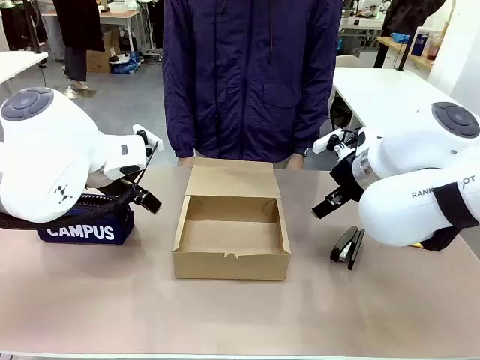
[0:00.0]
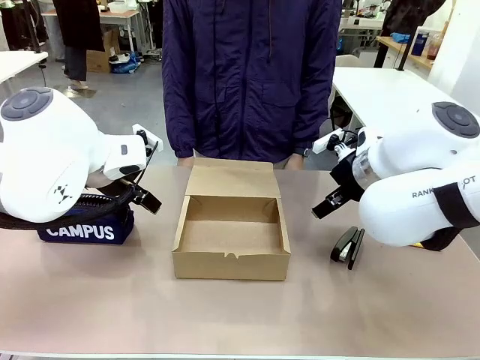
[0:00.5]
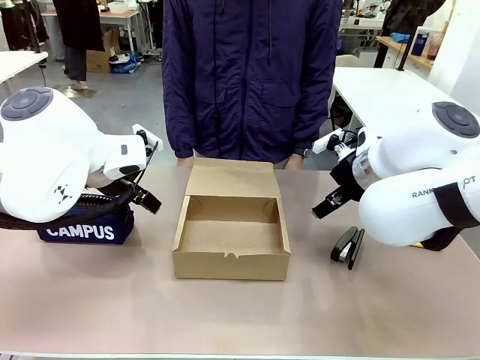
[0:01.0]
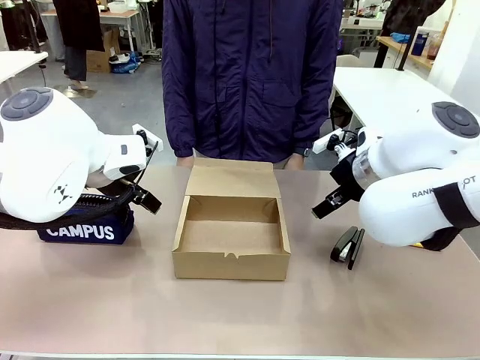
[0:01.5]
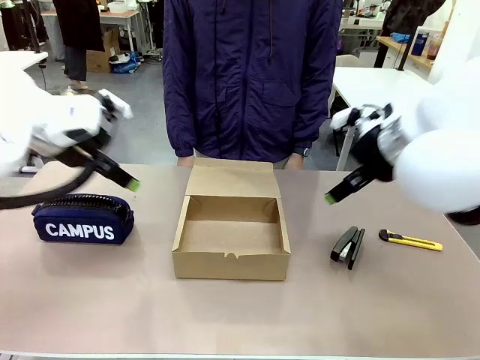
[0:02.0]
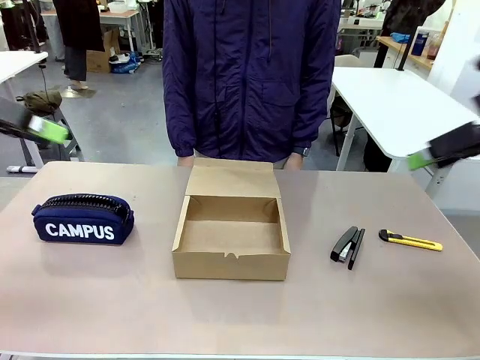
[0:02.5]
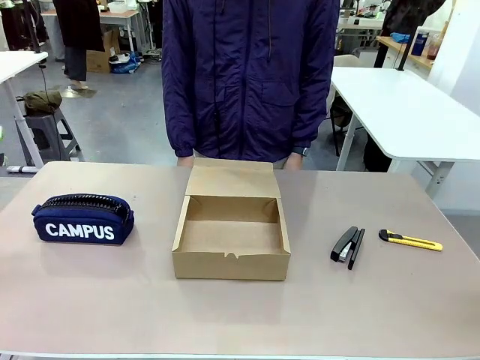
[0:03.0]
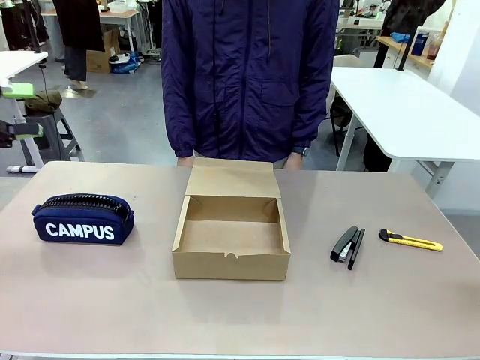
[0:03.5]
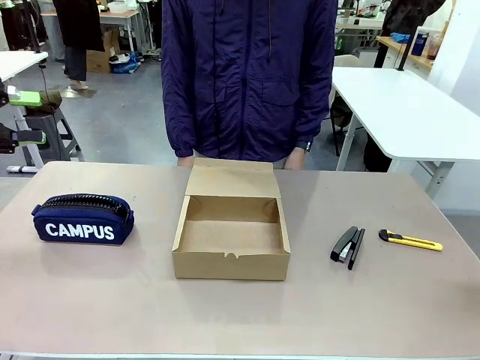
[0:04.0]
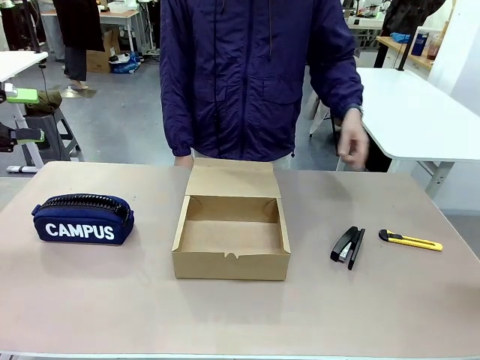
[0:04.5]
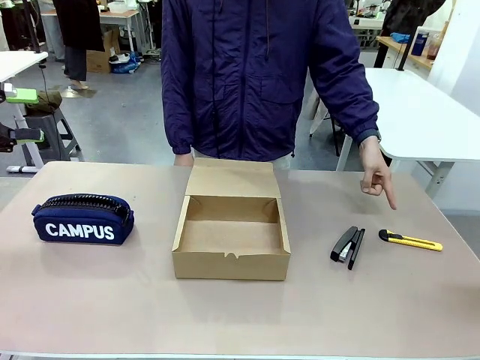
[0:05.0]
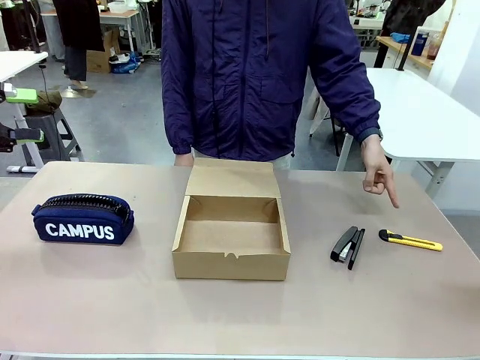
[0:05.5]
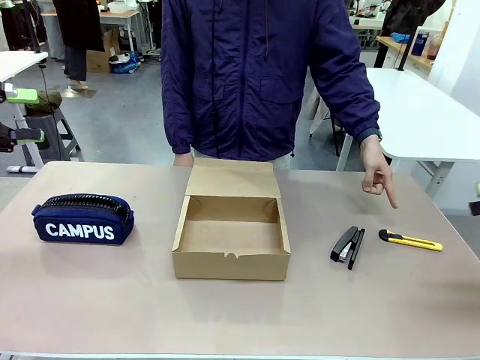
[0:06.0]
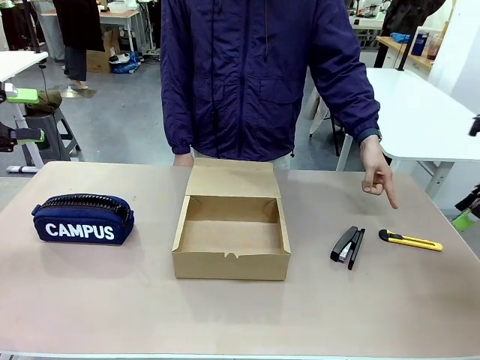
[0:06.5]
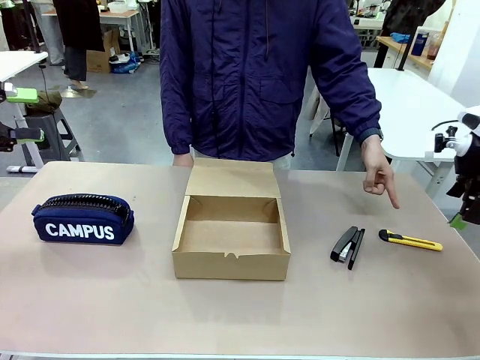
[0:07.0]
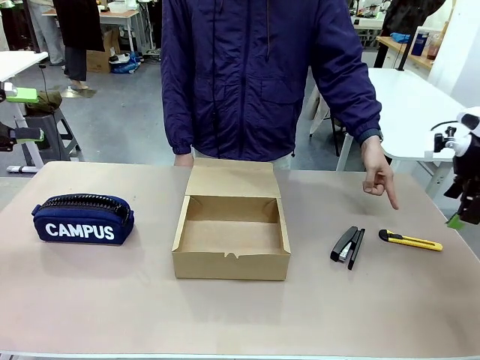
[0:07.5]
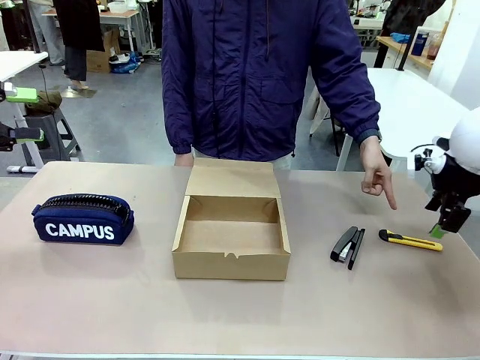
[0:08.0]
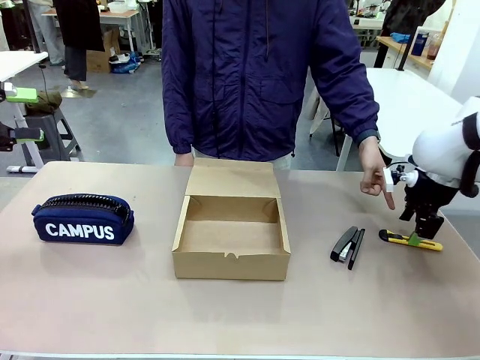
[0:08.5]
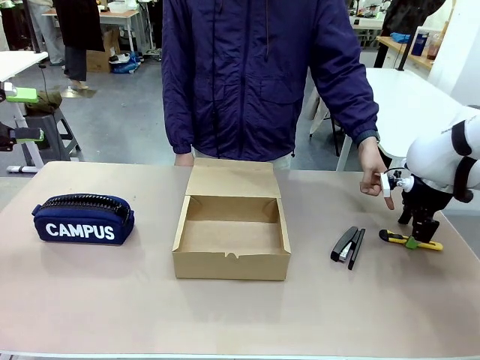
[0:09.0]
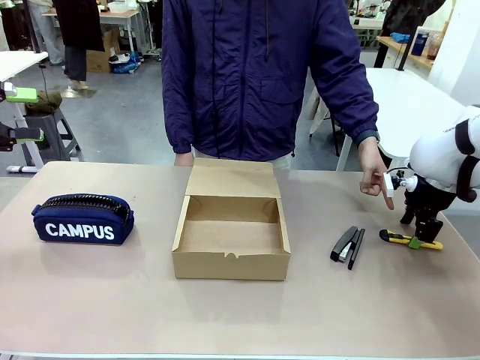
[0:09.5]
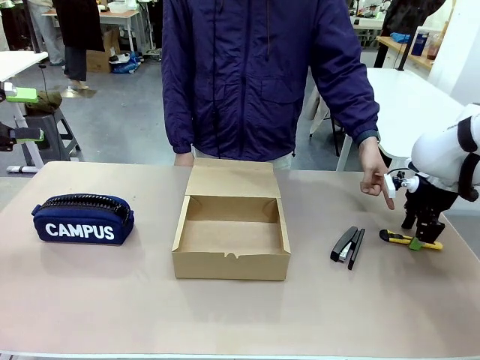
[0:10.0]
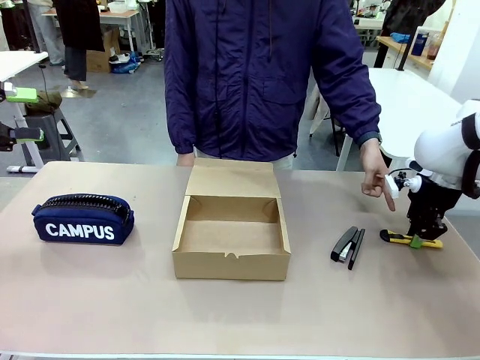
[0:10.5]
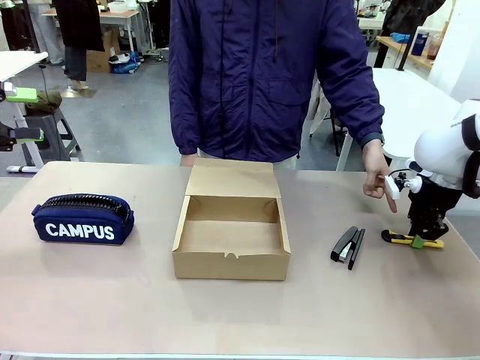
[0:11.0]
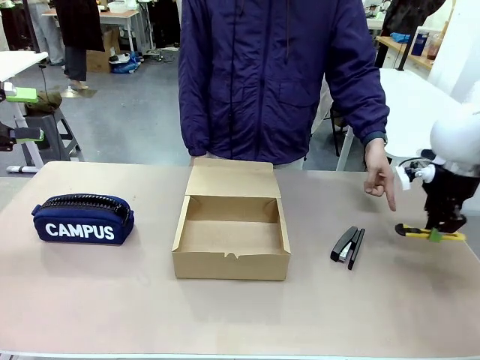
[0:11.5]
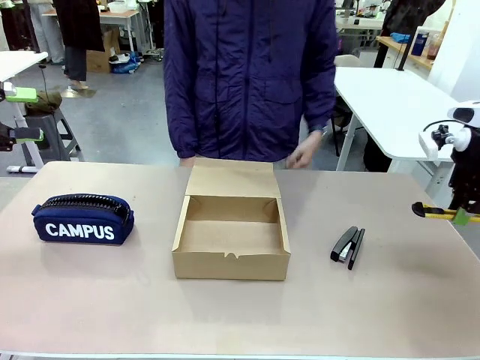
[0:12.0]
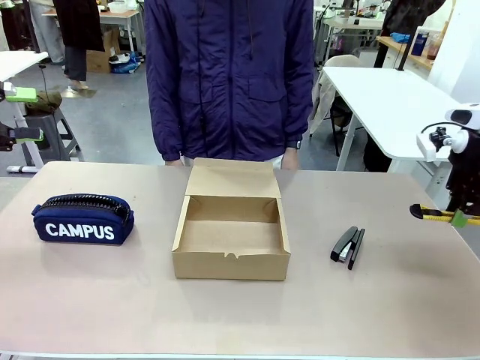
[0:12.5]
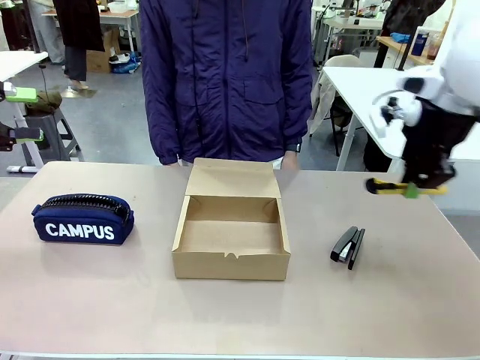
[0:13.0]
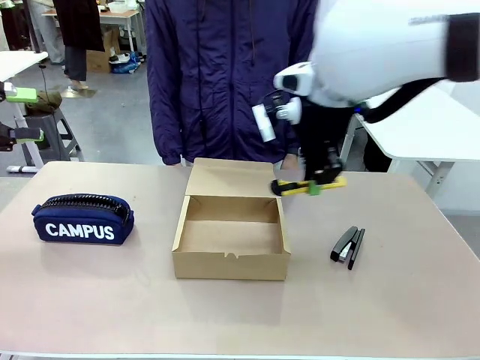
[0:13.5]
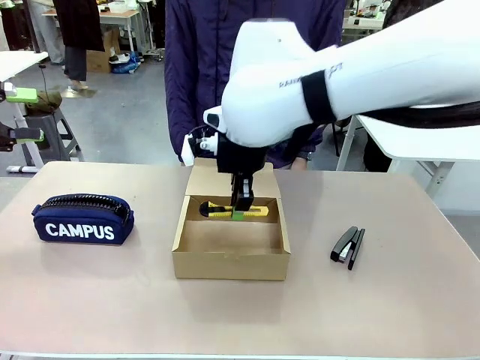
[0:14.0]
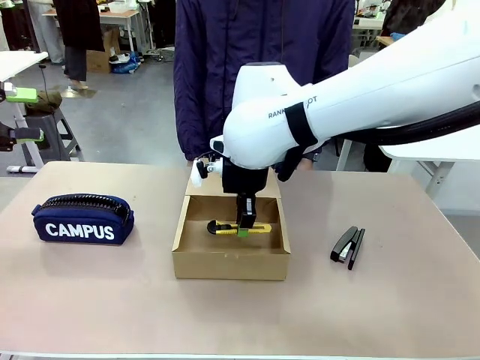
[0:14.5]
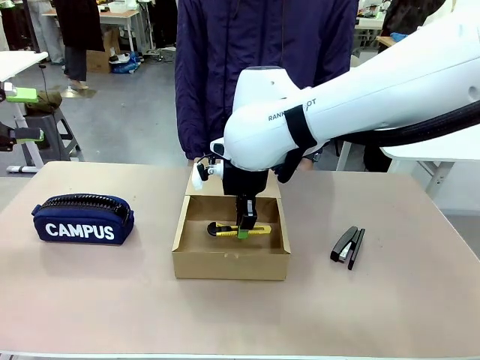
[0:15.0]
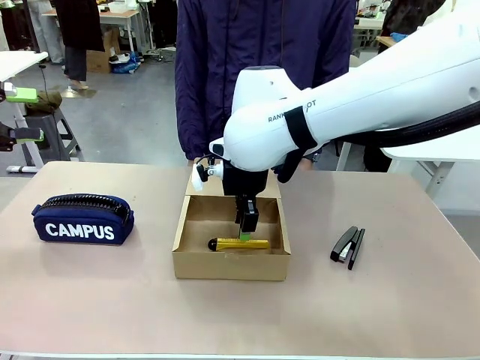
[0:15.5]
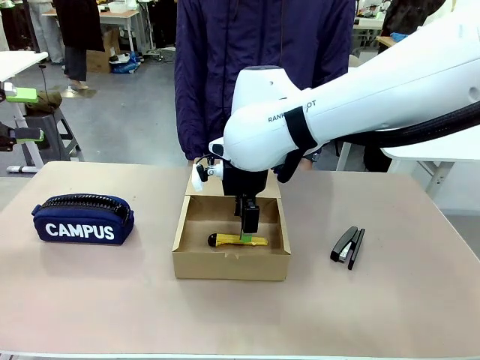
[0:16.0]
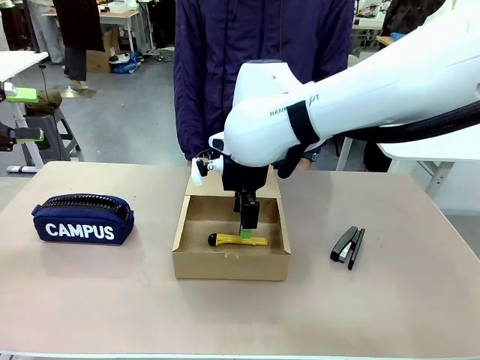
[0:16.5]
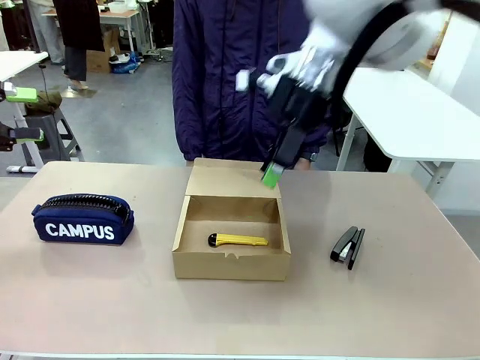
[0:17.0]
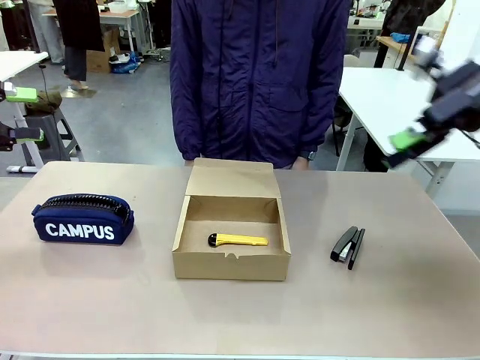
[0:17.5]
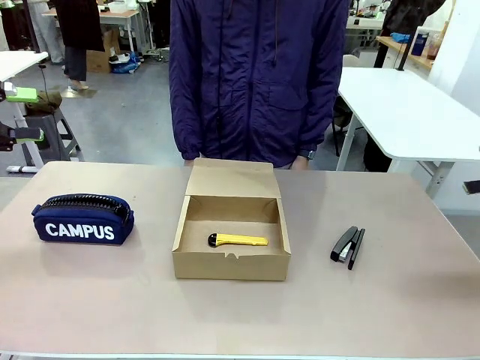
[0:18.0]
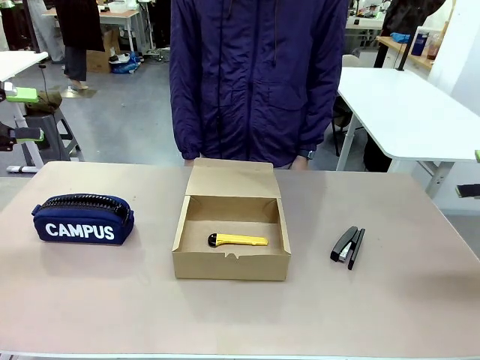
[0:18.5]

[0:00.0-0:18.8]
Task: Pack the item into the box.
Robot: Pick up the item indicated by the person and place it inside the Mailer Box.
Person: Point at one item on the table (excluding the box).

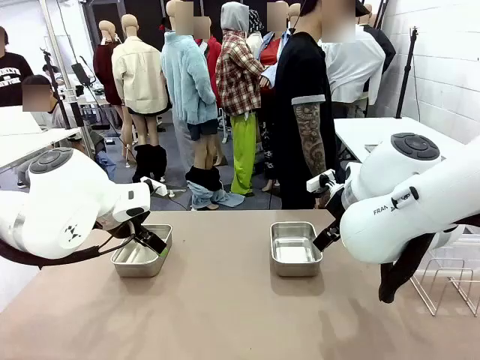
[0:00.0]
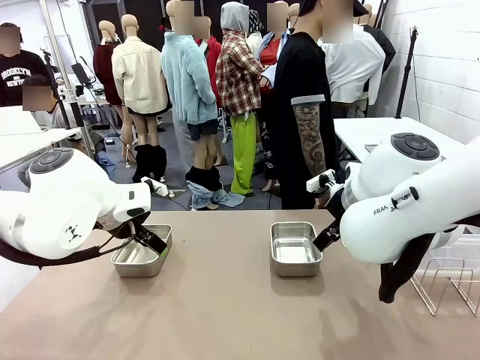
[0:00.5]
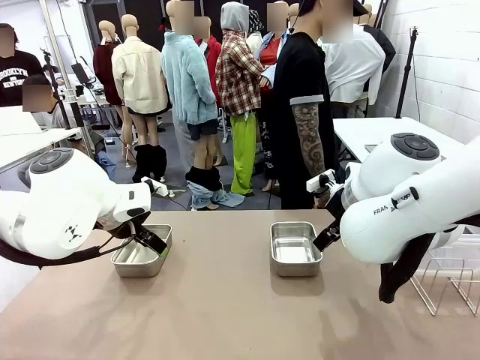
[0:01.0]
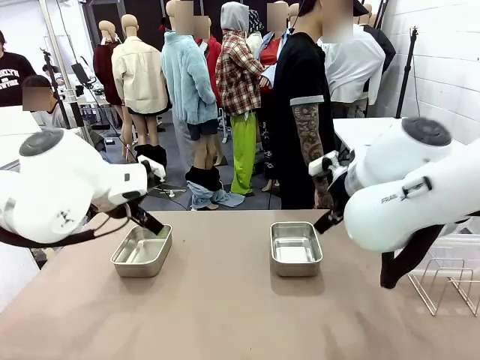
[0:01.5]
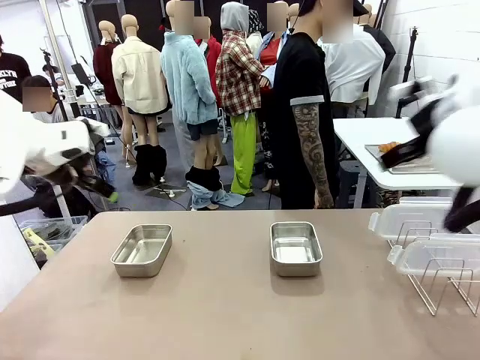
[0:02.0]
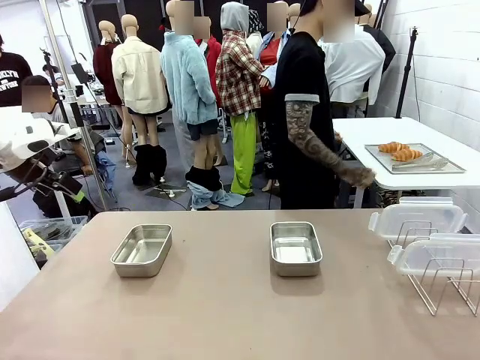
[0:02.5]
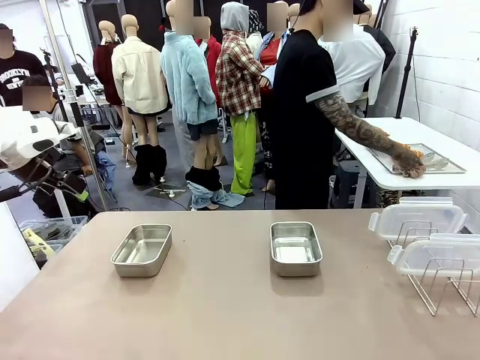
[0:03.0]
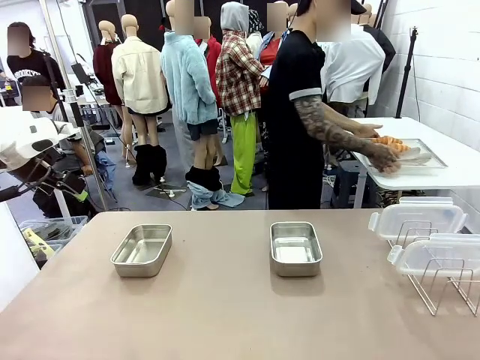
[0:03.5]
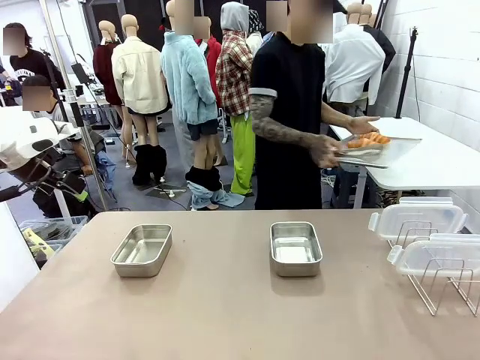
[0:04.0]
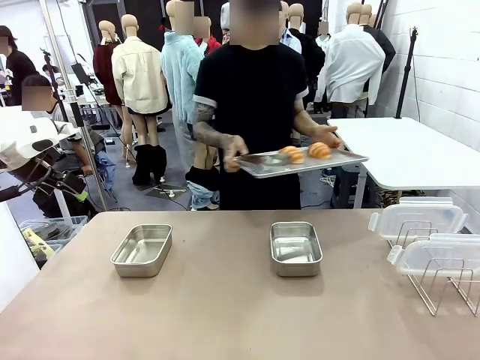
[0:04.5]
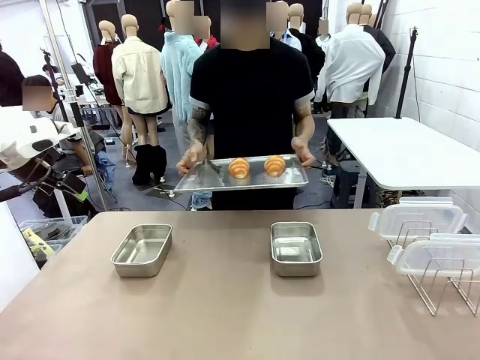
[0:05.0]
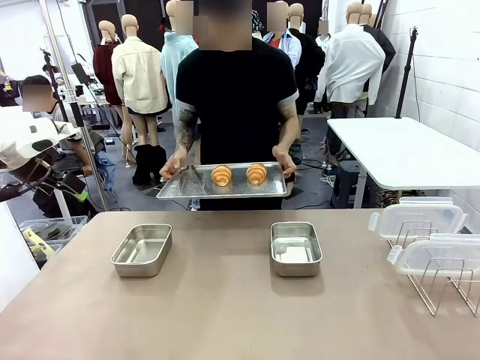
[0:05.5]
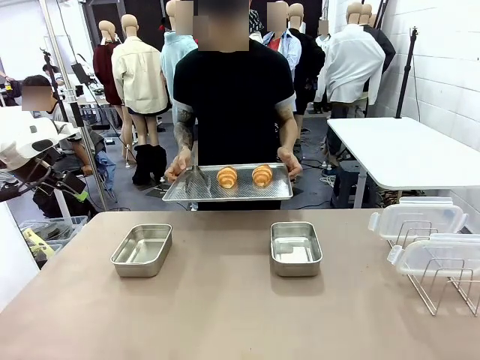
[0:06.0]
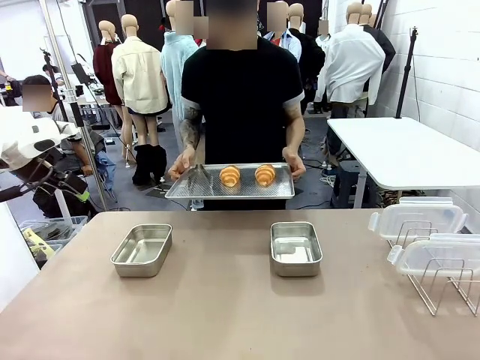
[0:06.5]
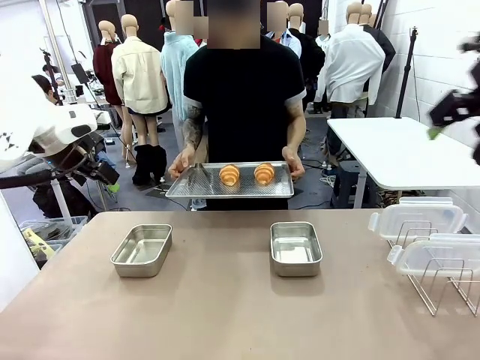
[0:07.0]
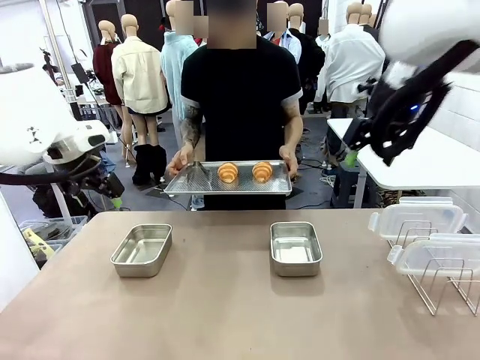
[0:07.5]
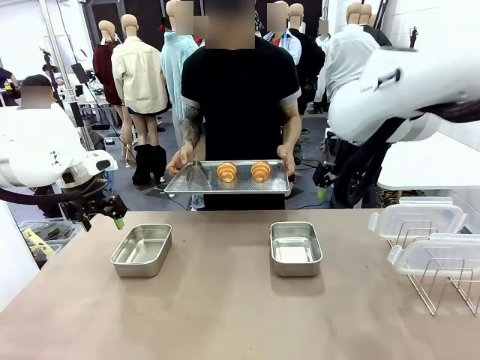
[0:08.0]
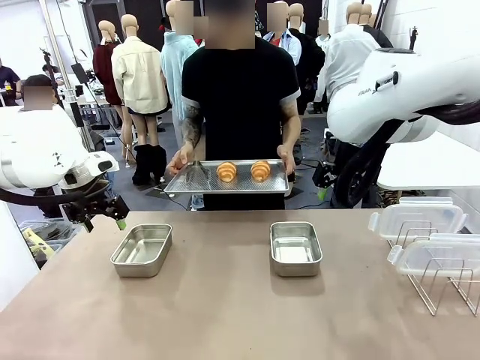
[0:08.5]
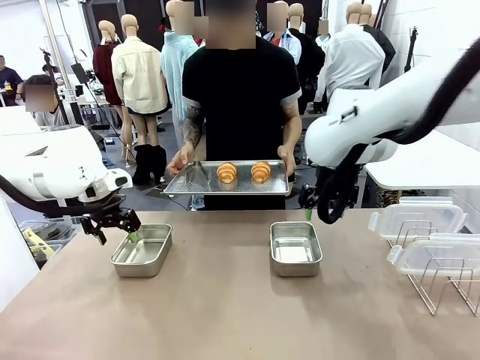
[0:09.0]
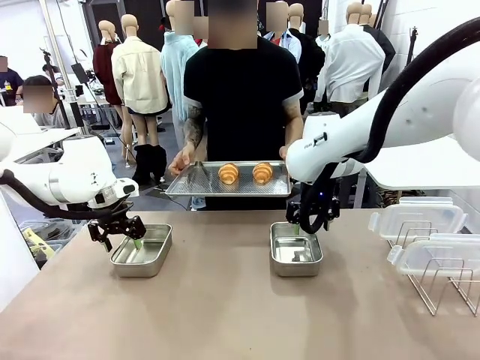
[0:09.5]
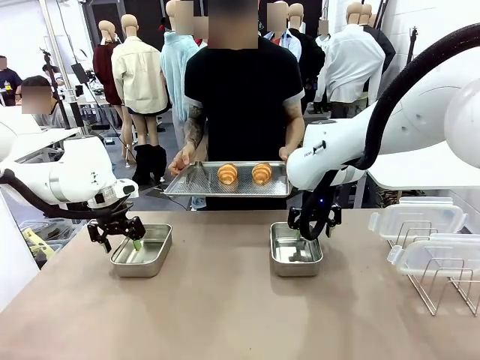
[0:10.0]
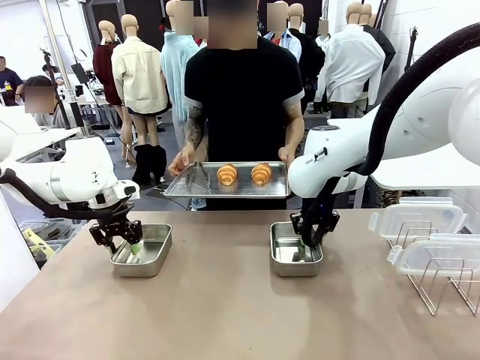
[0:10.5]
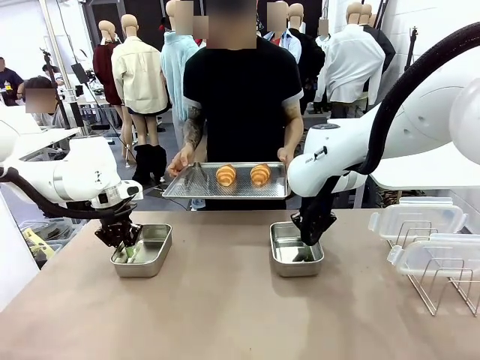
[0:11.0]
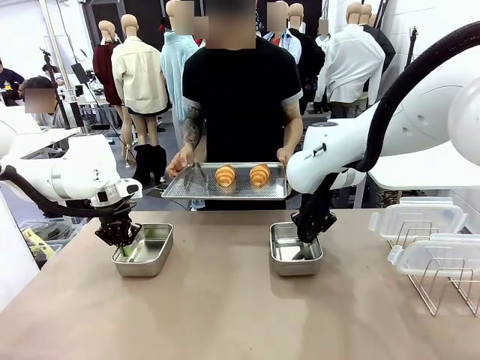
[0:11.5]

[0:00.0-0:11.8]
Task: Place the bread in airtight containers.
Robot: Lift both Airtight Container.
Person: Bring the Baking Sheet in front of Robot's Table.
